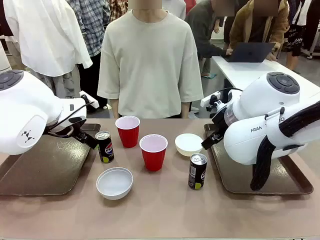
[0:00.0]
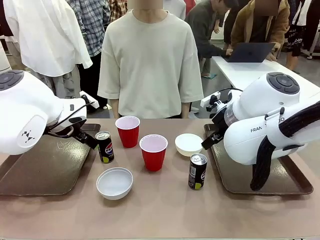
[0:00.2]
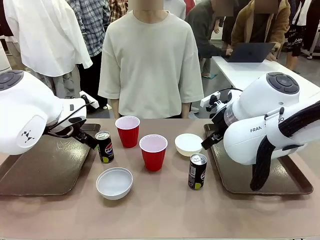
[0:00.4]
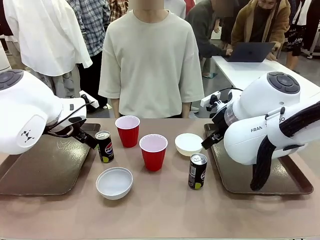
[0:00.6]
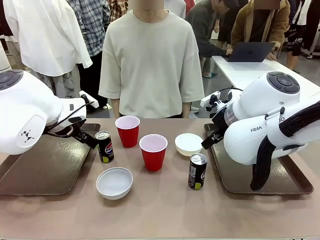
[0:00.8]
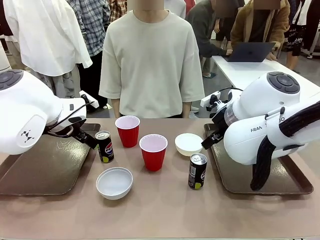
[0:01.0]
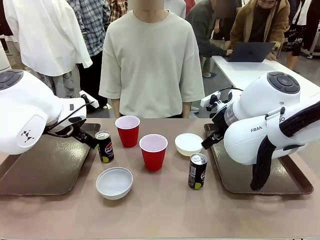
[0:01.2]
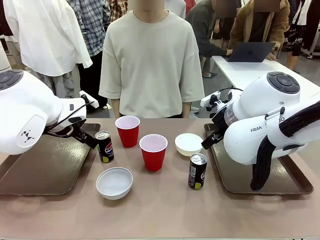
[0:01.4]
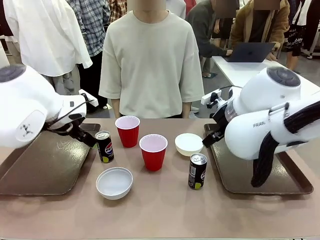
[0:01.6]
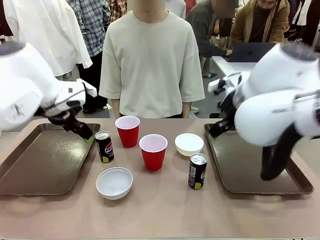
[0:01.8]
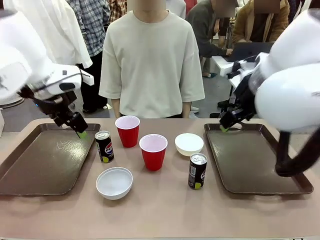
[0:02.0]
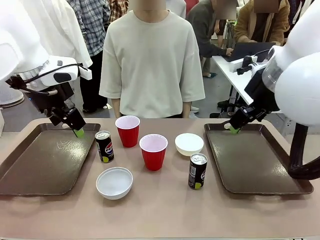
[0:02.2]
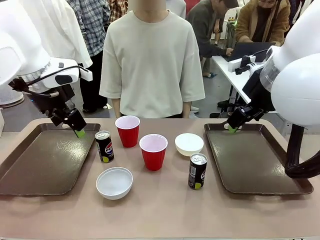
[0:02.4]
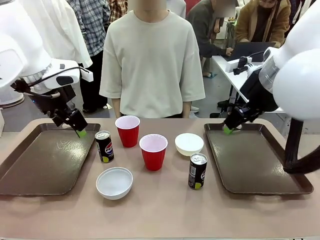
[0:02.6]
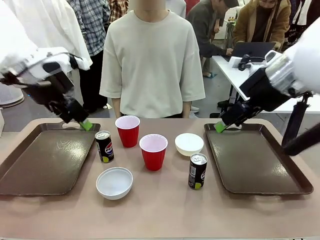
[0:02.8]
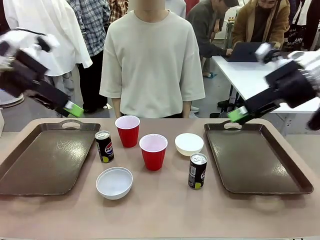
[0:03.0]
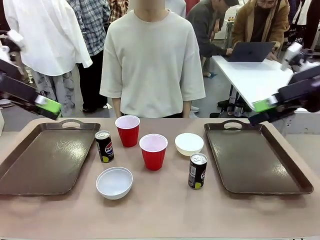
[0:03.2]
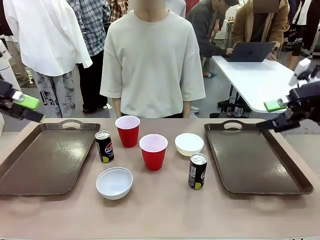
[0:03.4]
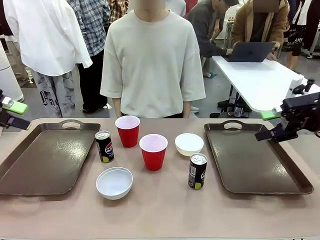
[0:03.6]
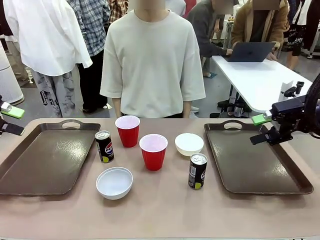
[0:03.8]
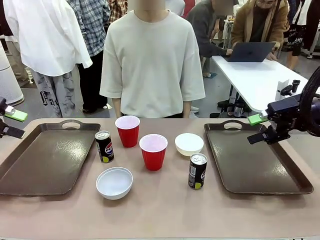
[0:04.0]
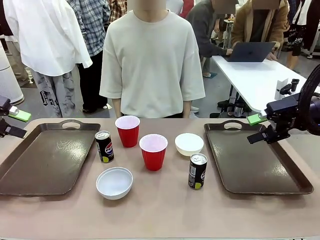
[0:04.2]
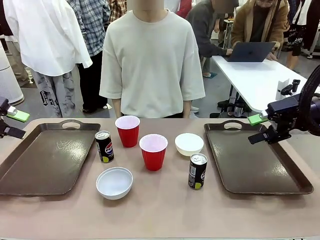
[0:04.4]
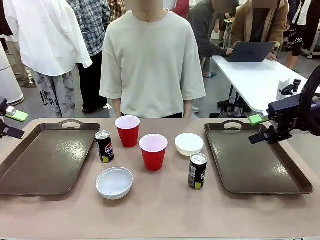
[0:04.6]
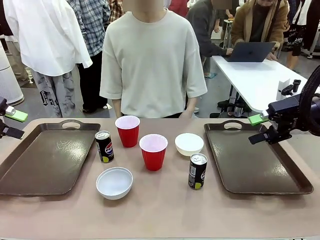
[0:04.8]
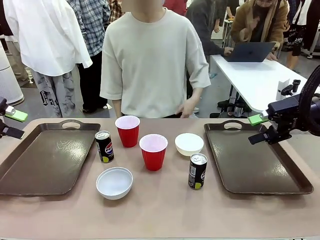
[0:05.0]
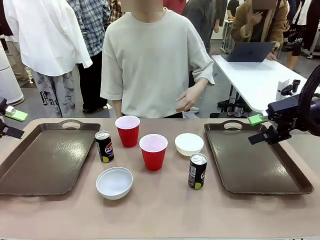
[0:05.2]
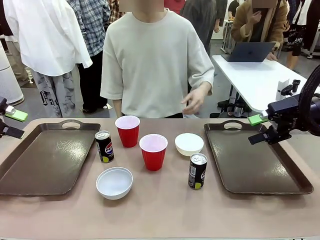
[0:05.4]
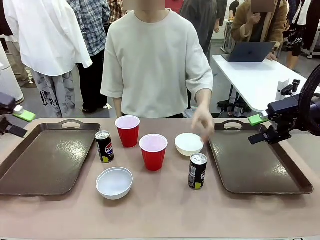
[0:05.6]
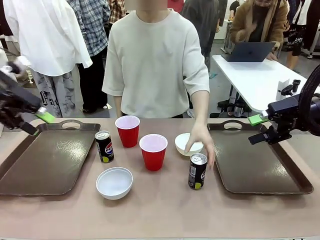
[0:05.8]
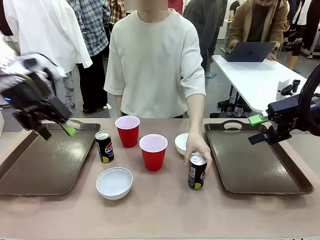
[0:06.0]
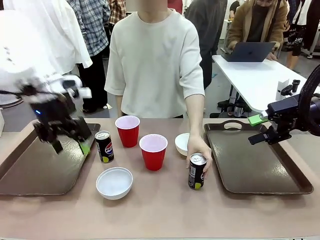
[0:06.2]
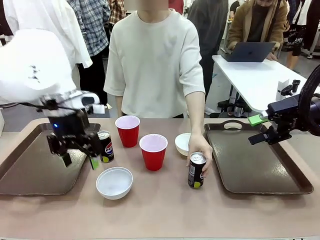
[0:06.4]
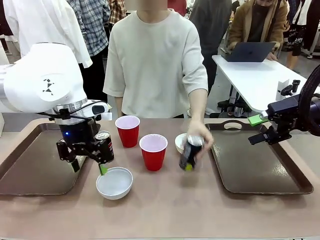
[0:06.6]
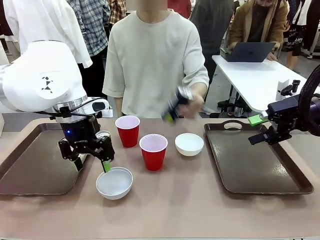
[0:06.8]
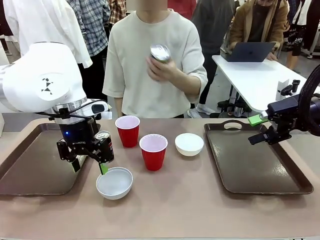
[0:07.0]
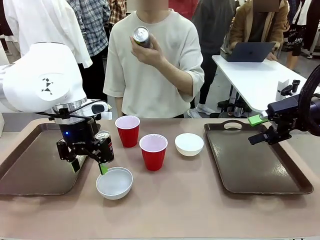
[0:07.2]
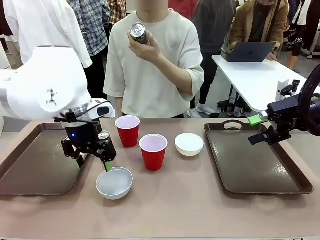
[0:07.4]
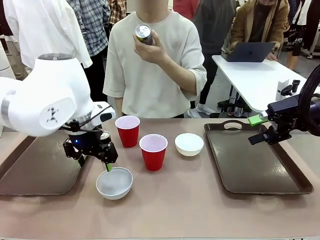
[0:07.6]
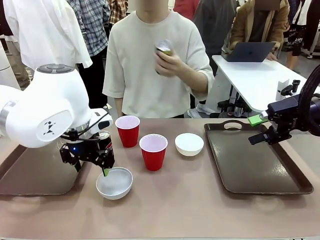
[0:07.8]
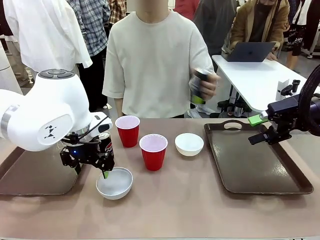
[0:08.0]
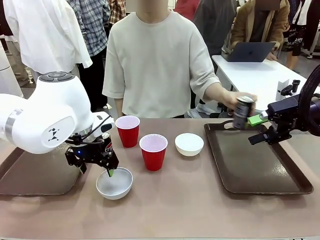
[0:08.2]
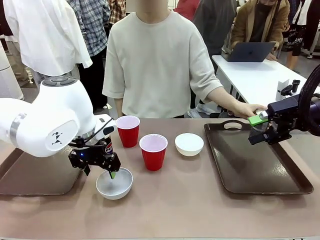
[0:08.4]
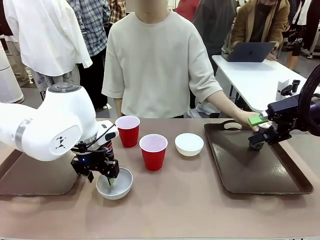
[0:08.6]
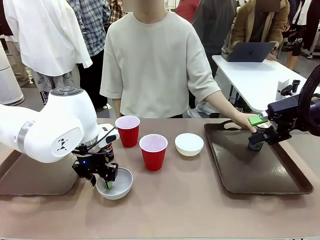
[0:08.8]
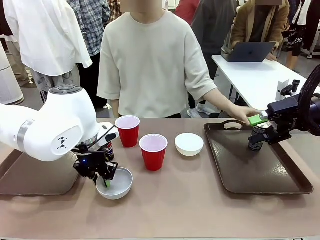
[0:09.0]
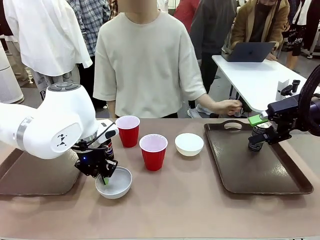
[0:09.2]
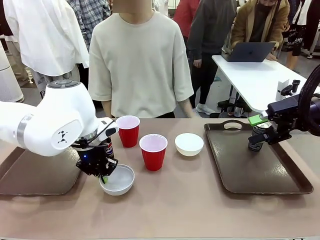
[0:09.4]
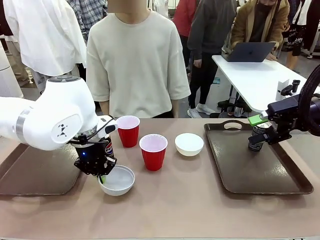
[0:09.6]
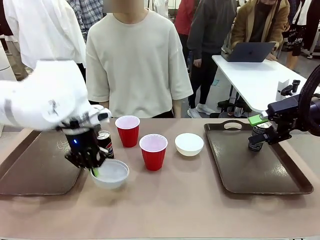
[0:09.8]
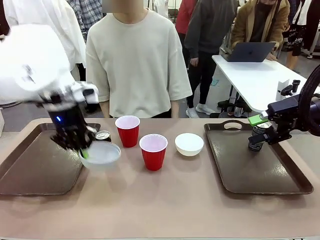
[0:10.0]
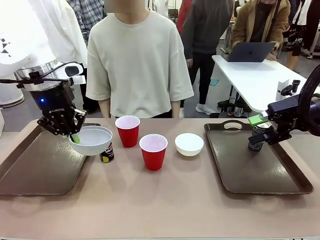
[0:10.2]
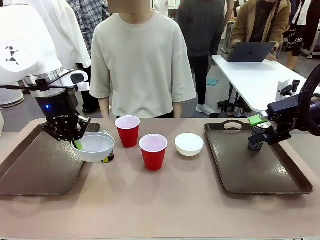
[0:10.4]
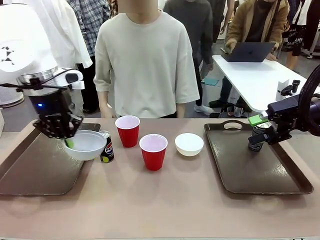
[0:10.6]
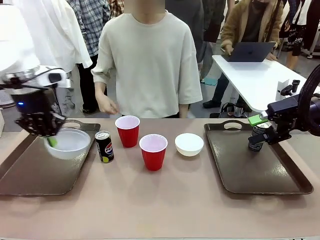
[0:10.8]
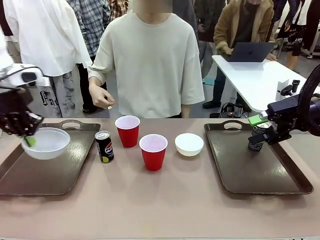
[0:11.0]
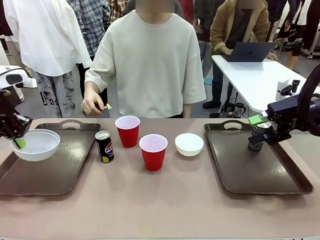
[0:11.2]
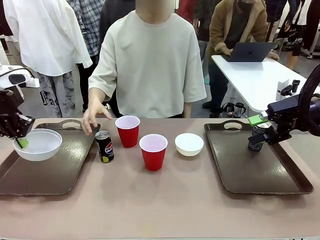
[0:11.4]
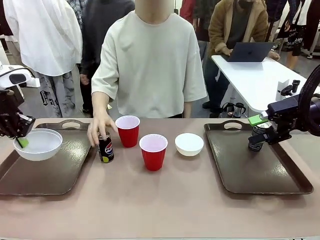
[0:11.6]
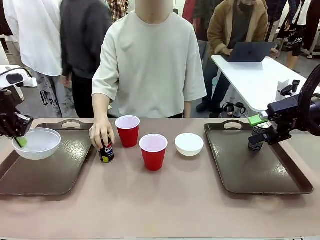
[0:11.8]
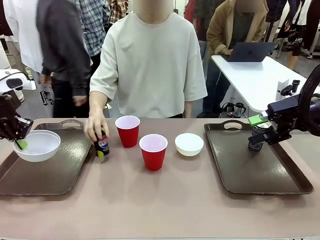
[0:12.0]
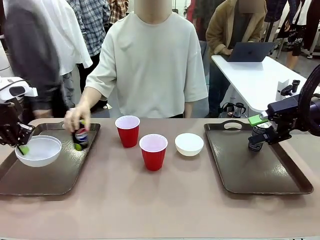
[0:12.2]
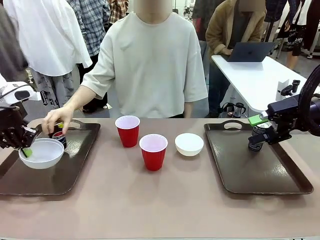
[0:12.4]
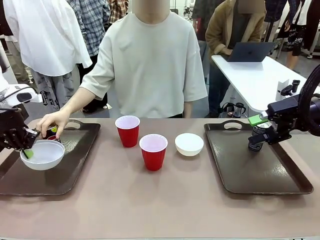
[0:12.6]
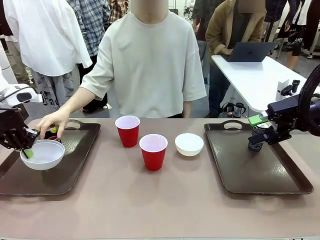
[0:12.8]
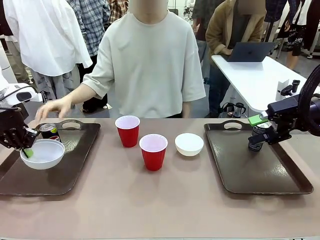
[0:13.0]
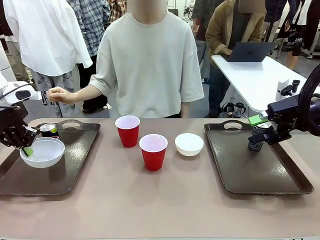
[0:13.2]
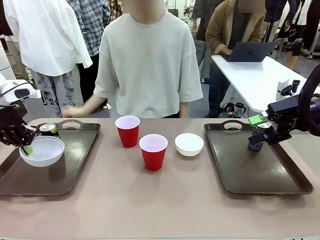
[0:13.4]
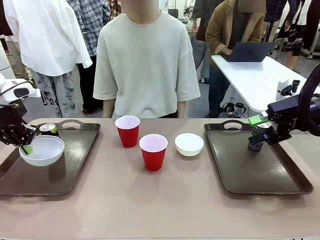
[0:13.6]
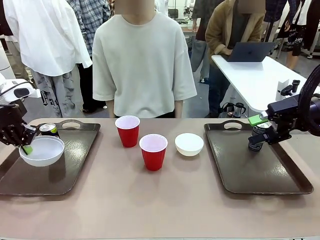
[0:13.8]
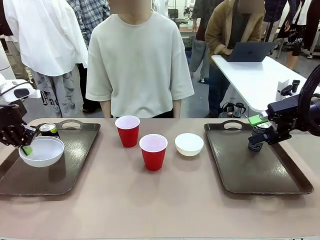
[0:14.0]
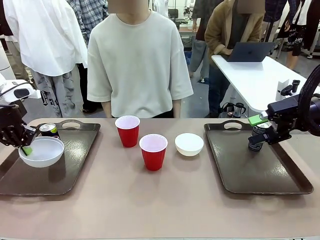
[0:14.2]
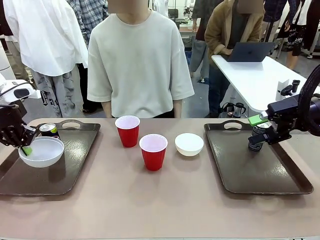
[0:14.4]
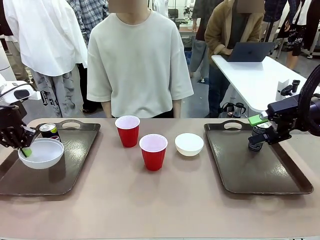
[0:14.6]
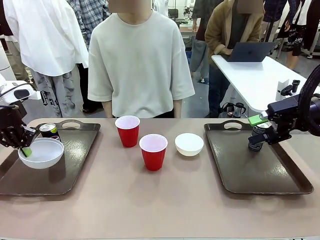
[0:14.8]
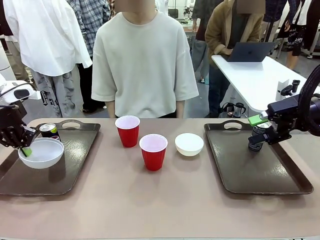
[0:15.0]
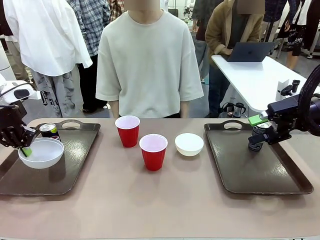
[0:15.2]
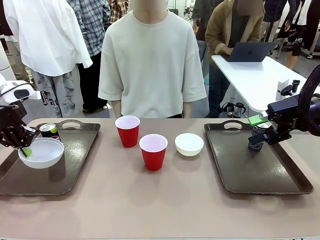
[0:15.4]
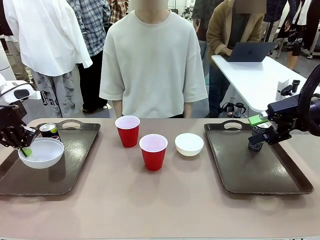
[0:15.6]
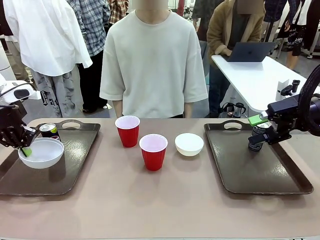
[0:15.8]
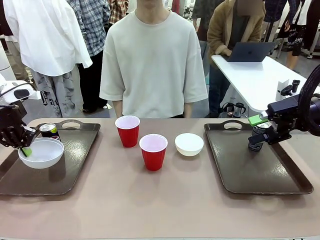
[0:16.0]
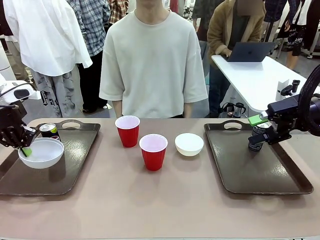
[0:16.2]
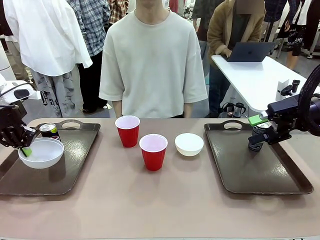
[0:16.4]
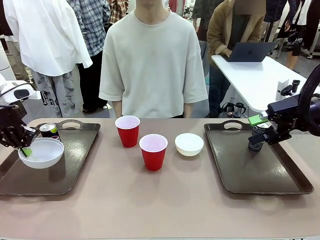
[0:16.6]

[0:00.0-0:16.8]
Task: Prepare tableware on both trays.
Robot: Pick up a Picnic Bowl from the table and place it on a Handle tray.
Person: Pick up a can or cup and place it on the tray.
